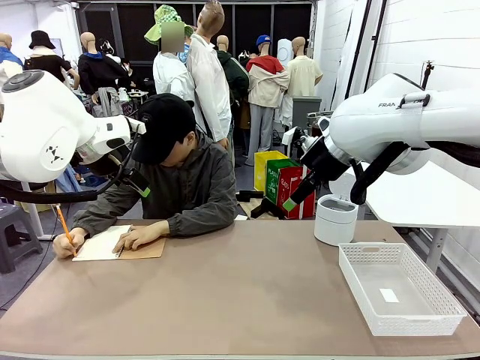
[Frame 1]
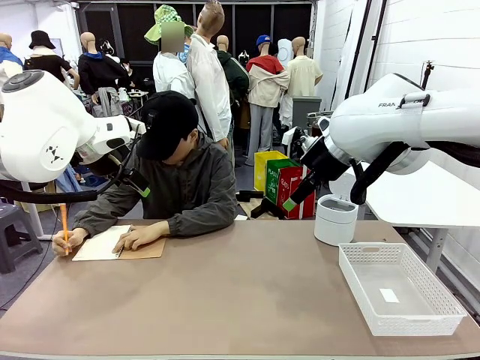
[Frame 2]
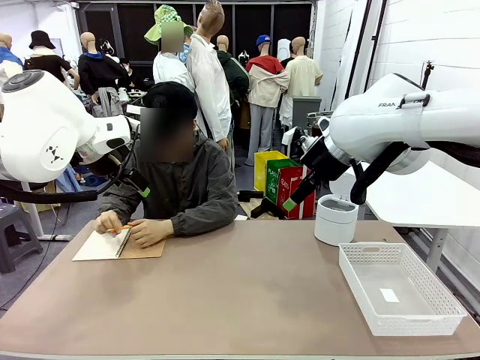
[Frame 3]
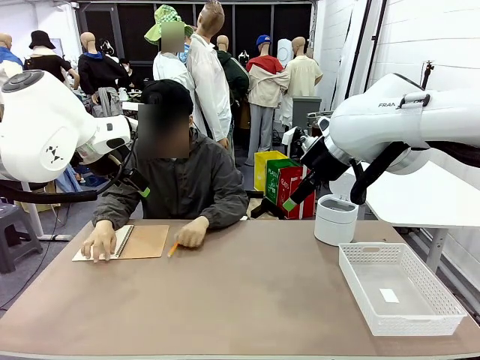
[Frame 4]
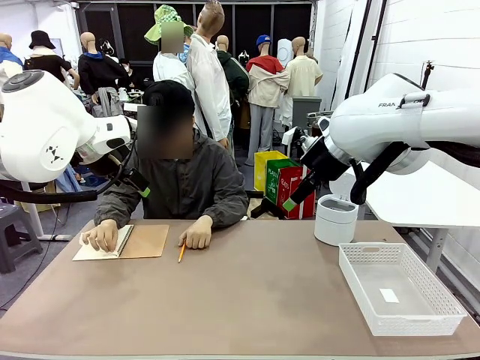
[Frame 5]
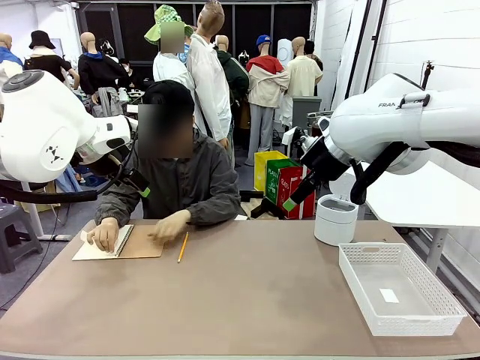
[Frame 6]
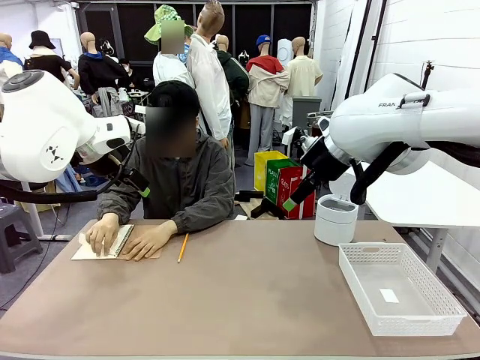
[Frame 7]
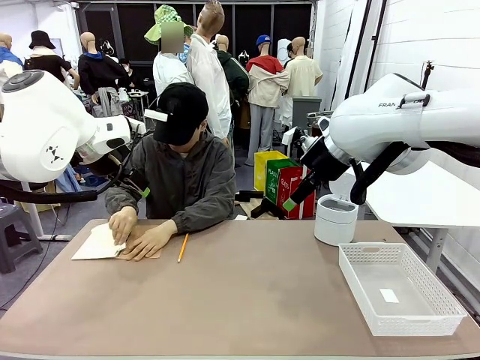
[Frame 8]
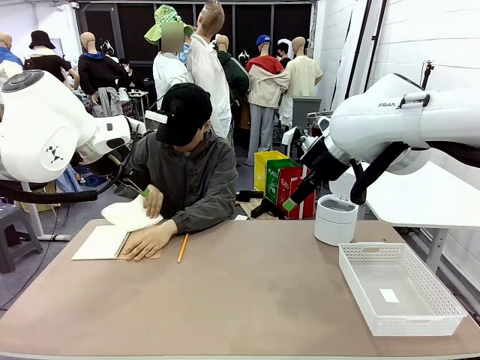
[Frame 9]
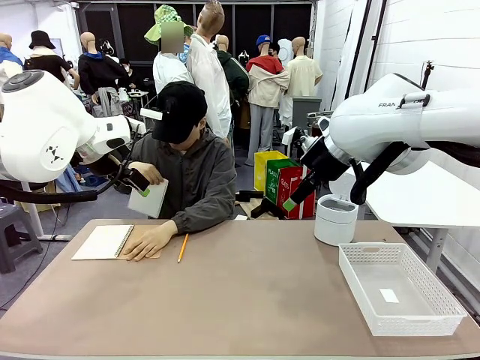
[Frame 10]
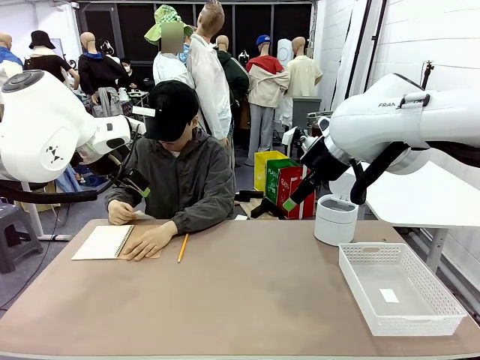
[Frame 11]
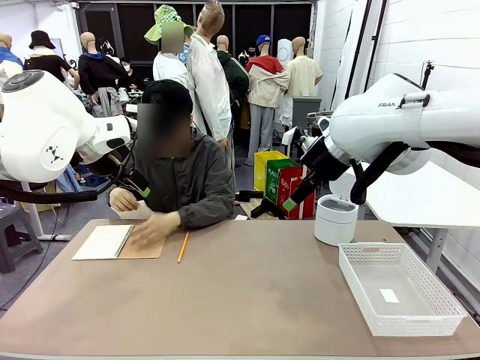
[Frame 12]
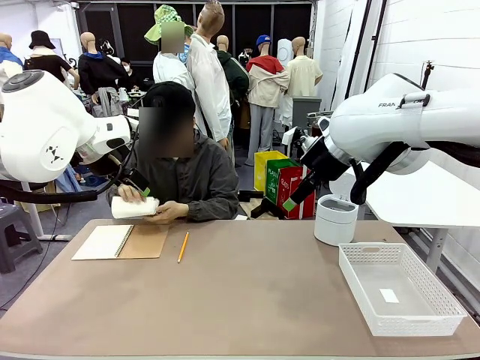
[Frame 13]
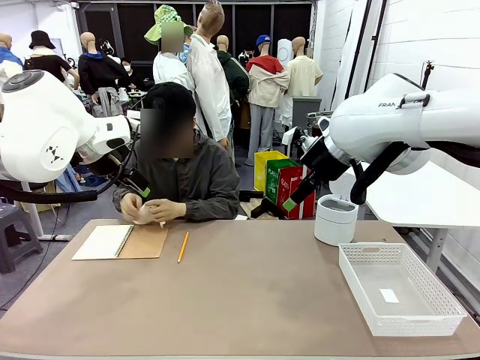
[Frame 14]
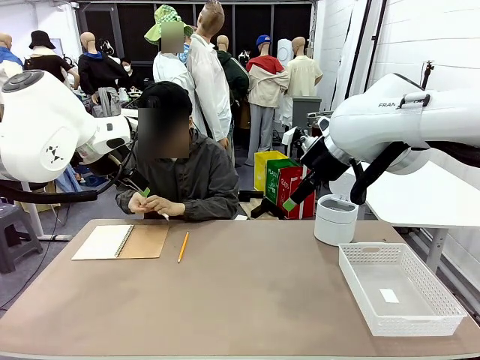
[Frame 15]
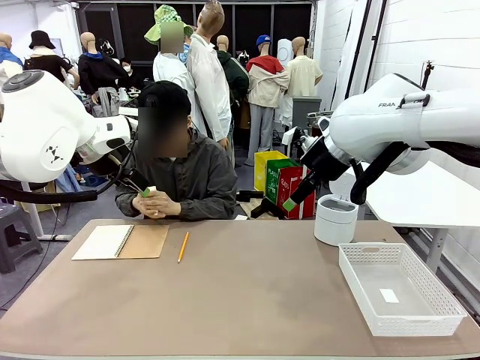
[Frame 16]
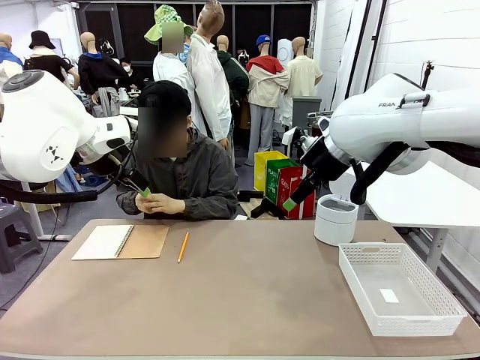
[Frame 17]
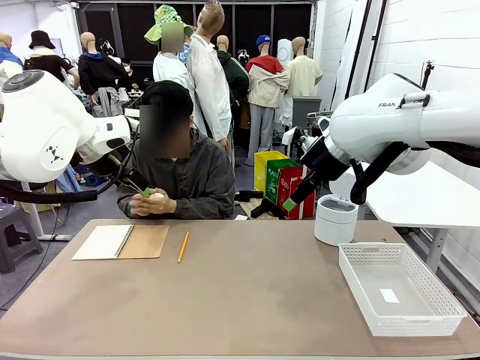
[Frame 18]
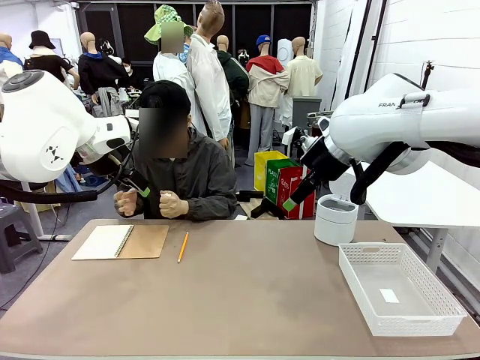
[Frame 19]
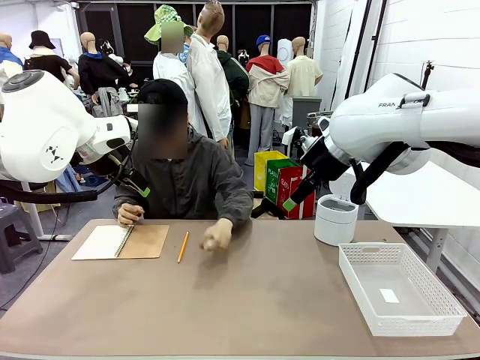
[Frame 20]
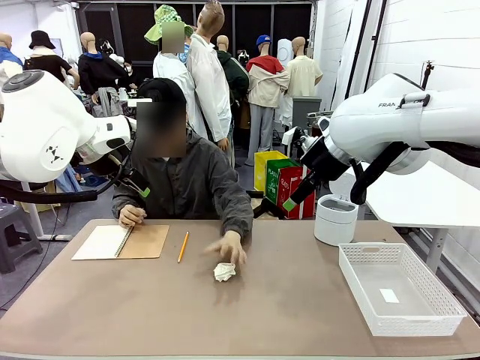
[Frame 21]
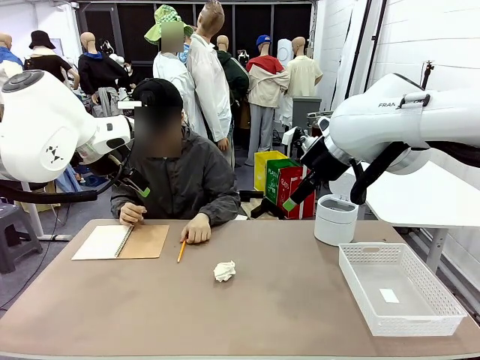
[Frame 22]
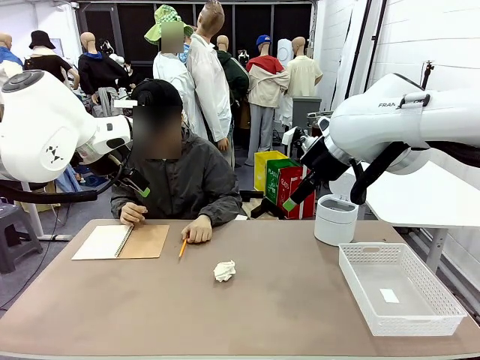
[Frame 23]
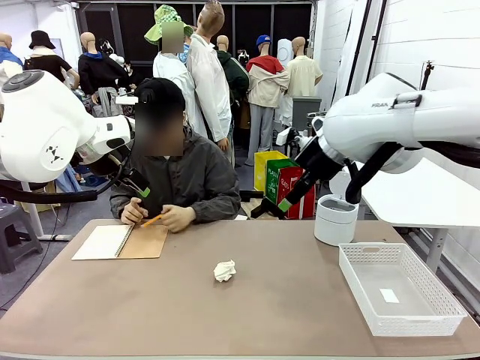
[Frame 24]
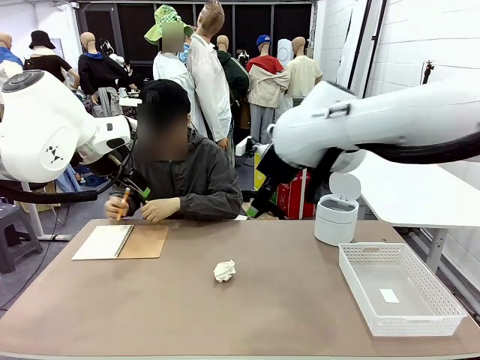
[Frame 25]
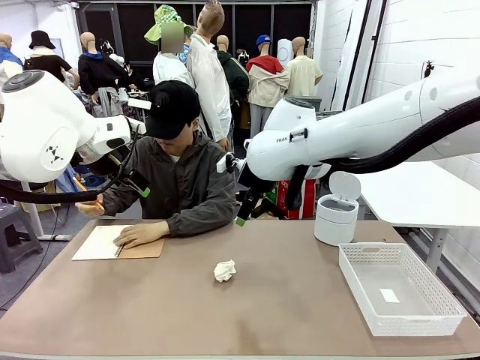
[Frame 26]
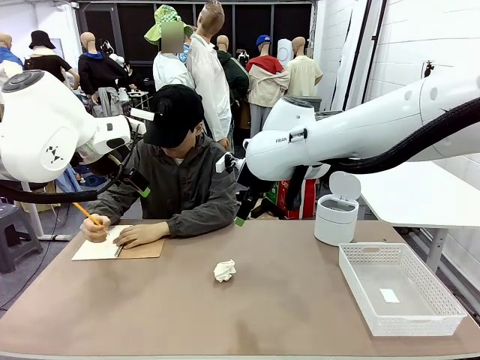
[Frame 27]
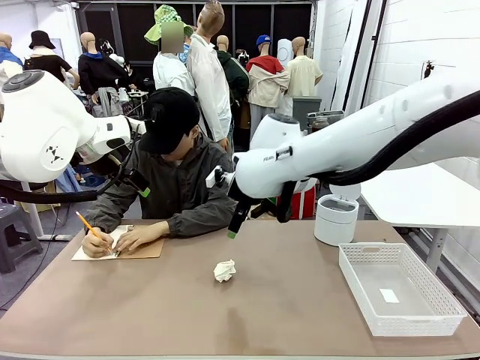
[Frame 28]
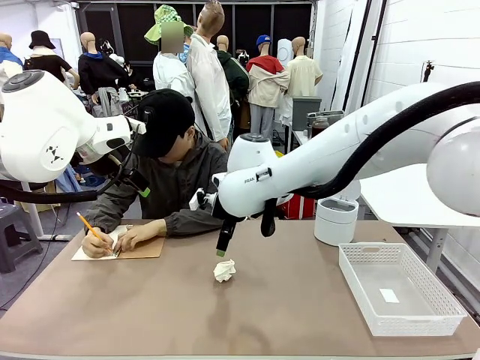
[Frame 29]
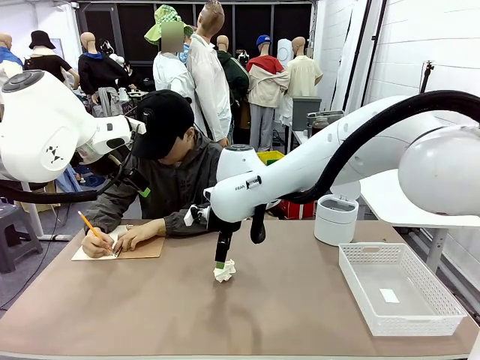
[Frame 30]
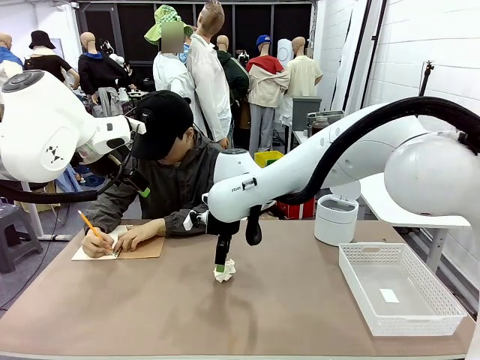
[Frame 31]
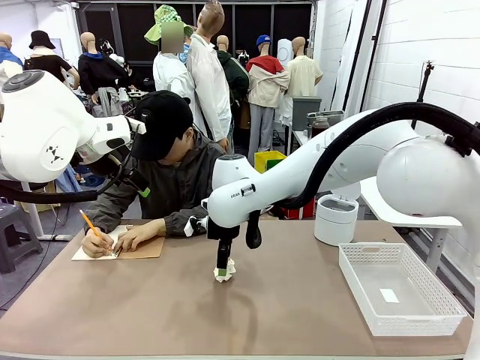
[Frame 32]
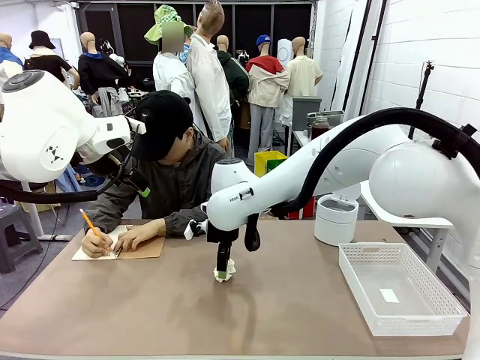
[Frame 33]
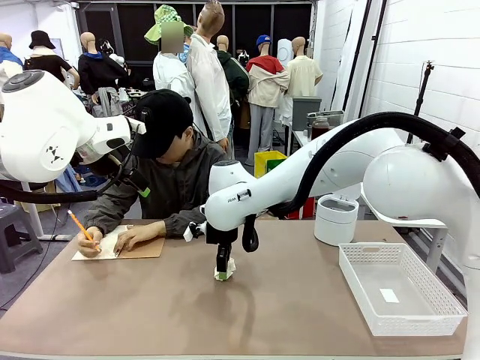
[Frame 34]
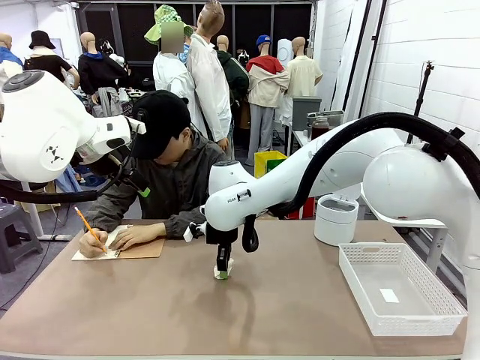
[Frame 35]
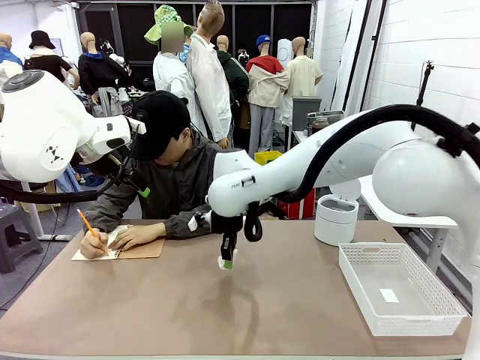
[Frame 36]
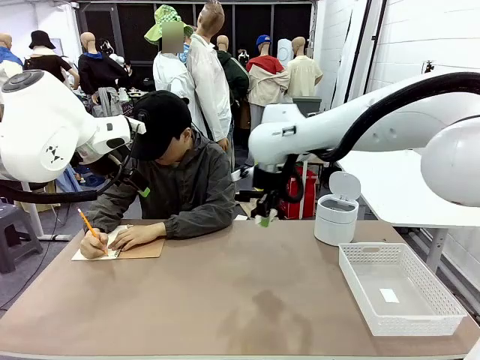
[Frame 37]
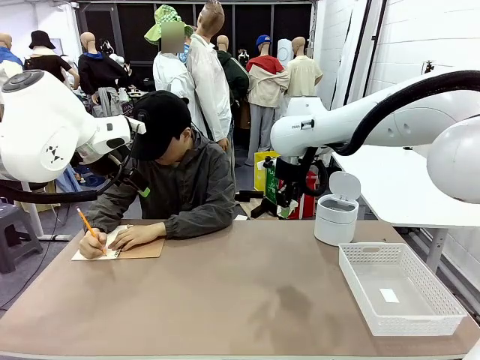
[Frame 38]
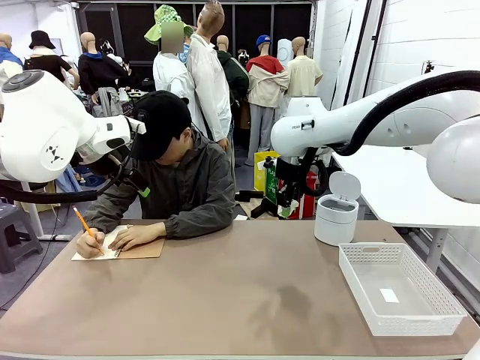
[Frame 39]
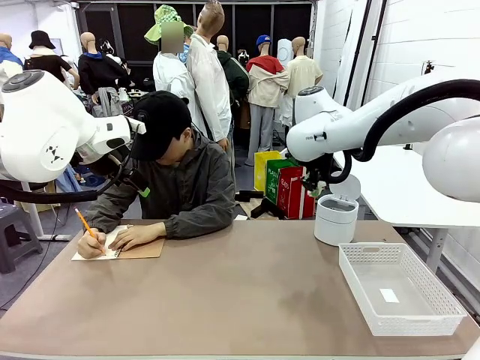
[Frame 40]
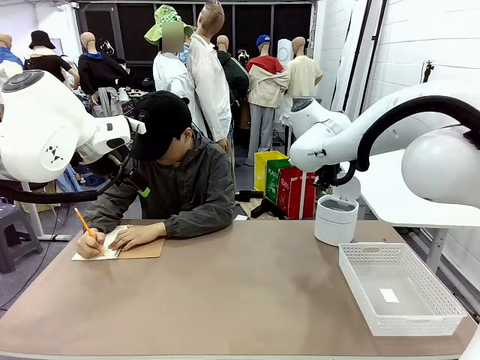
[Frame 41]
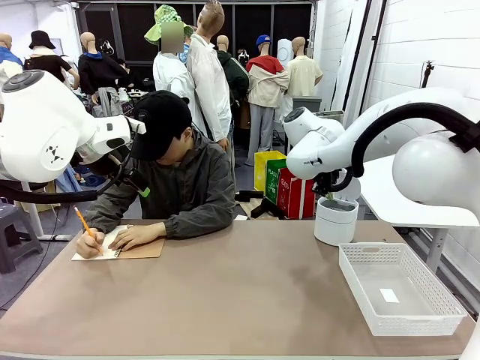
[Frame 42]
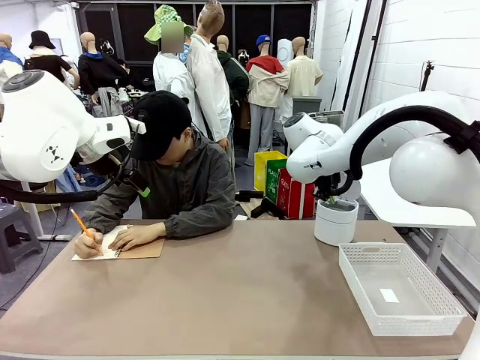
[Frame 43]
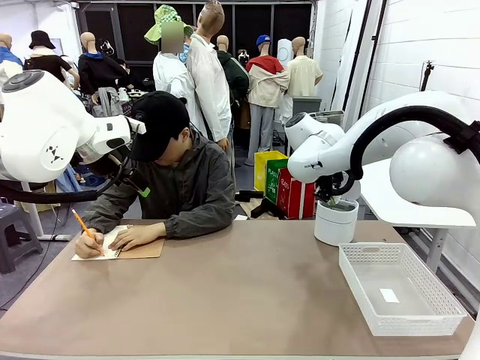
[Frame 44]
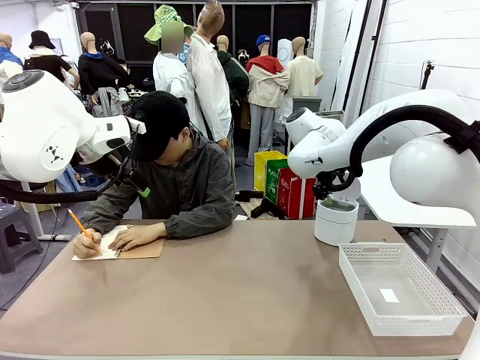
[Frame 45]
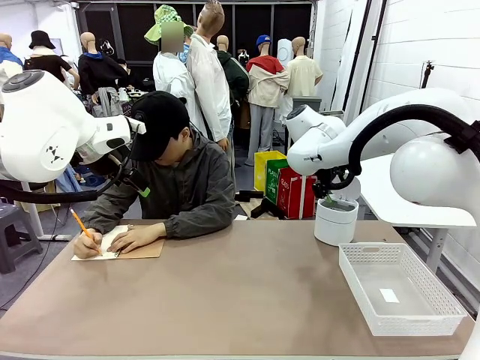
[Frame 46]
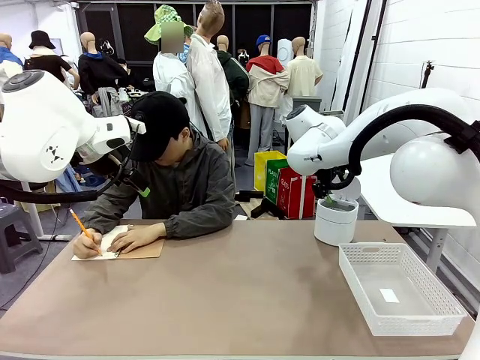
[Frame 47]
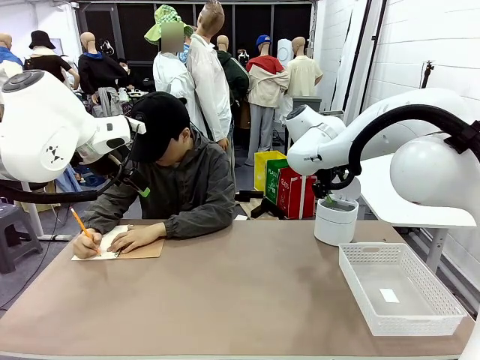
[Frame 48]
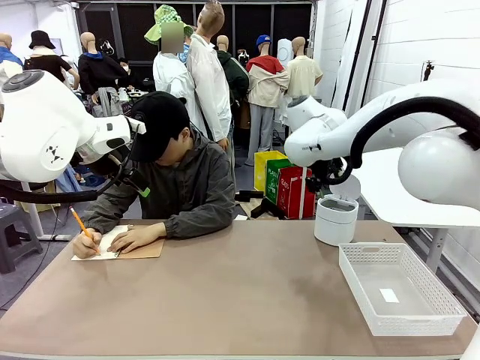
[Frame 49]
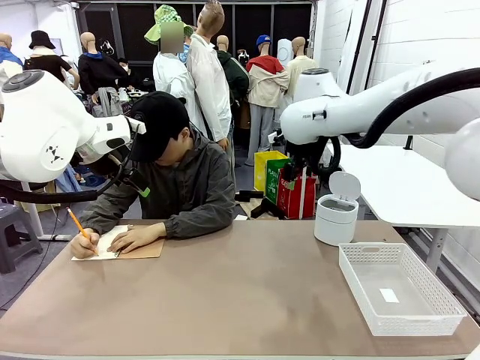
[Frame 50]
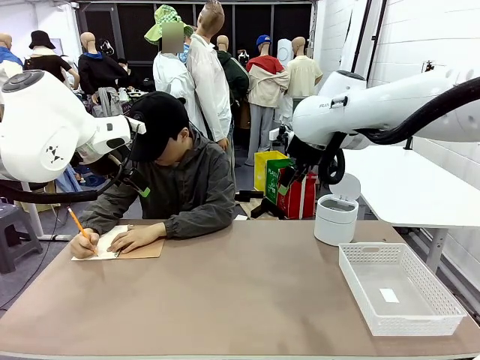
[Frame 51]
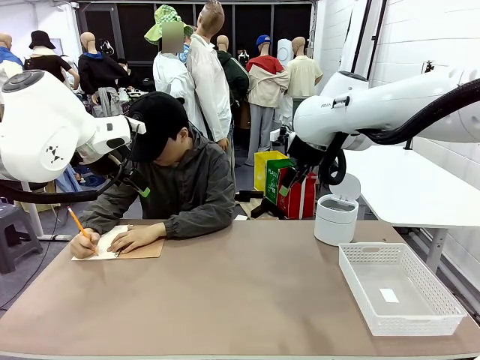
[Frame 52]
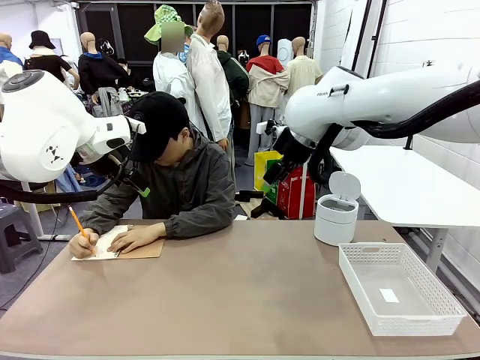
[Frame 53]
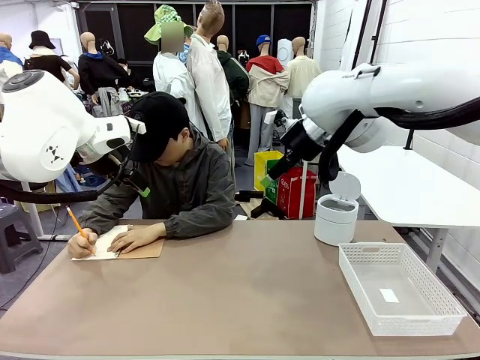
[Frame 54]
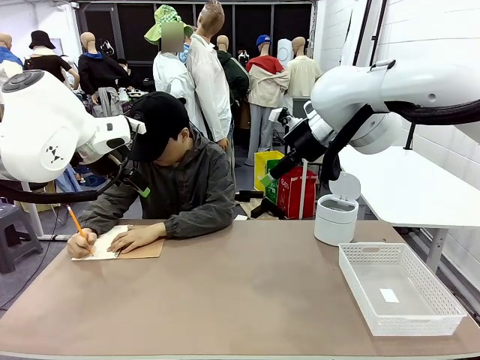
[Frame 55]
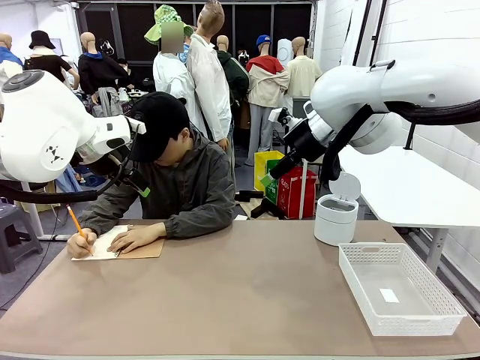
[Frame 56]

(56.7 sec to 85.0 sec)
Task: Sort the paper based on its condition.
Robot: If a person hands you a paper, place it in the Organizing basket , and if it's crumpled, put it in the Trash can.
Person: Hand the torn page to the robot or crumple it and throw it to the center of the table. Tear out a page from the spiral notebook.
